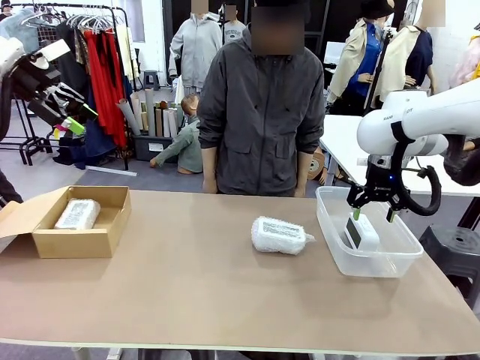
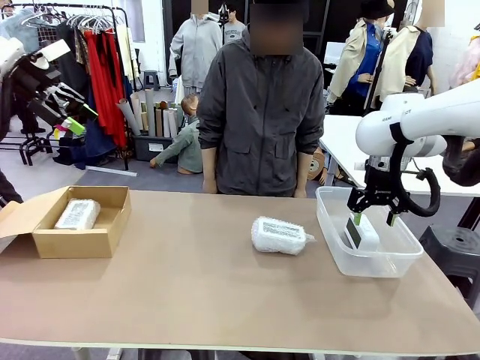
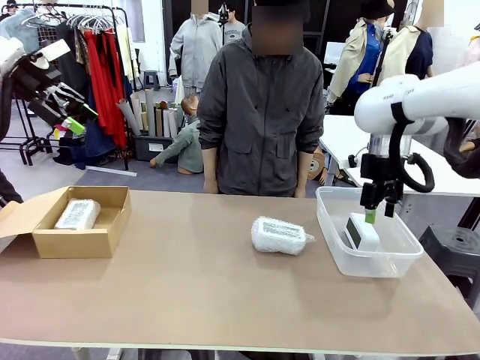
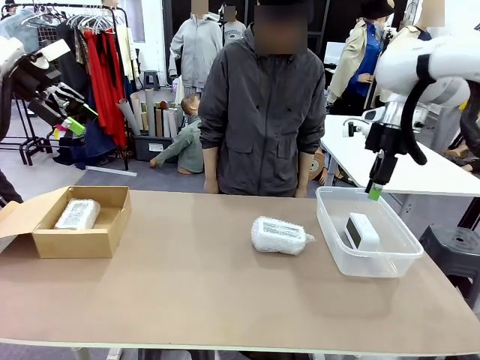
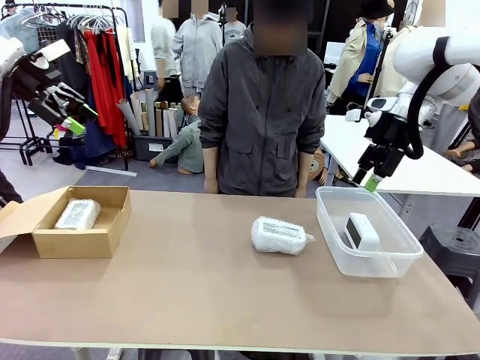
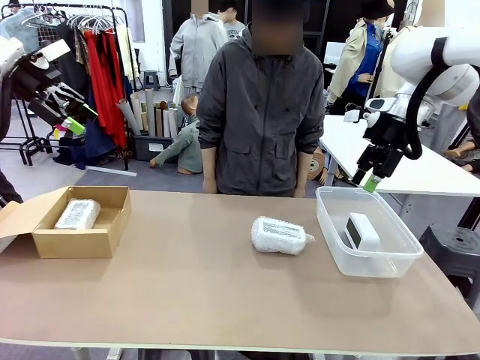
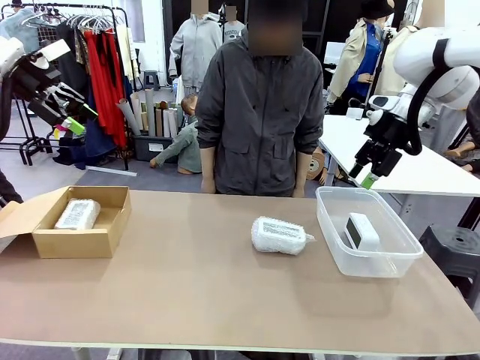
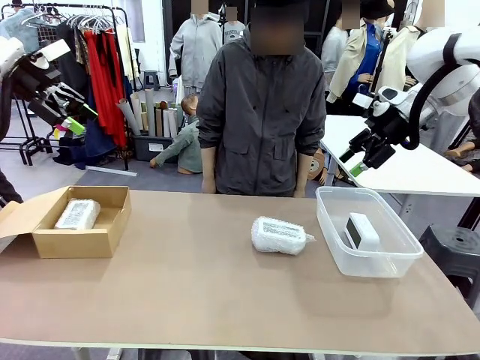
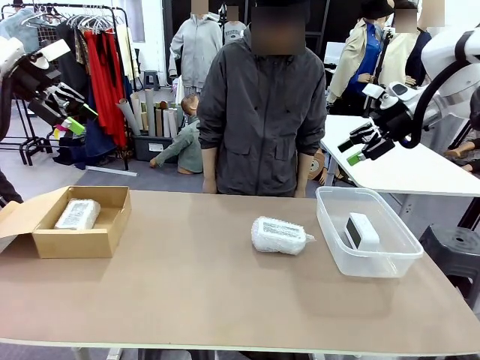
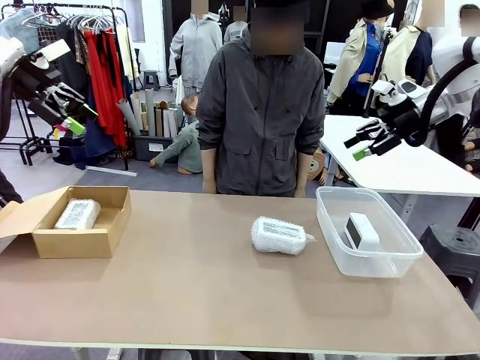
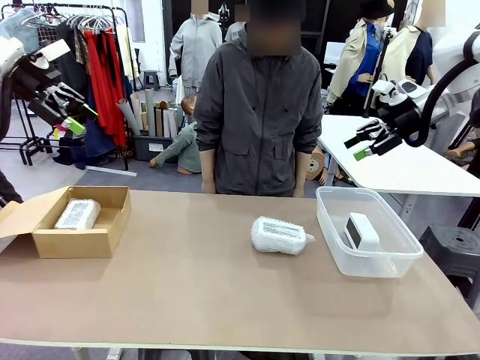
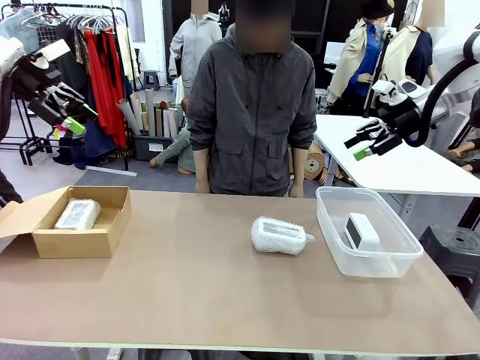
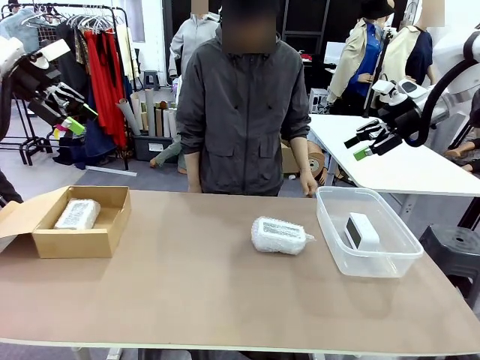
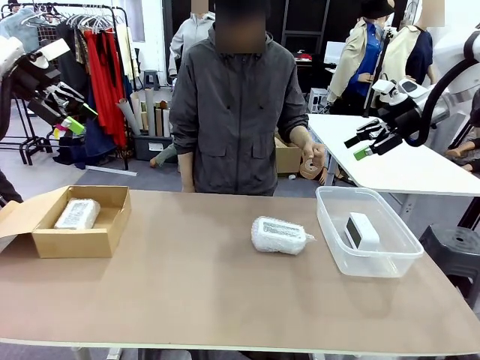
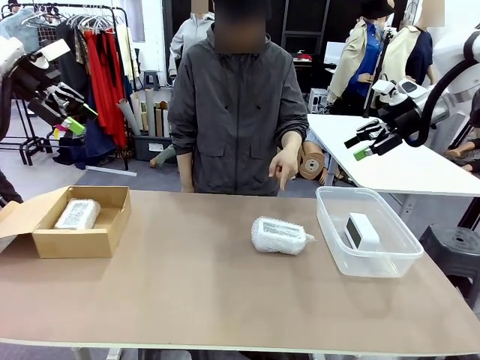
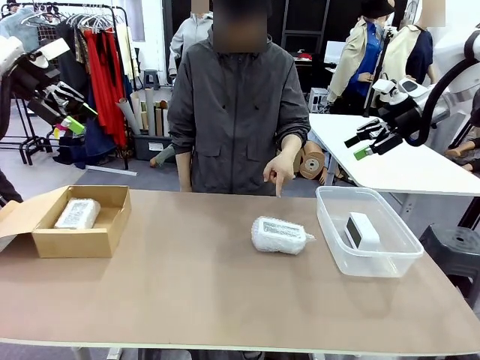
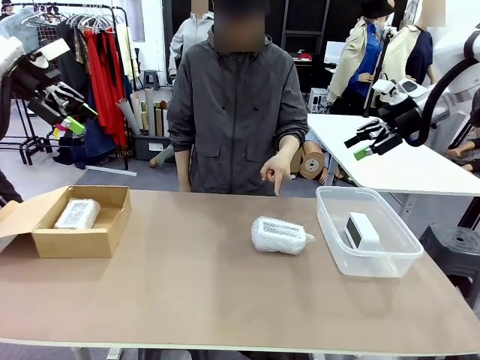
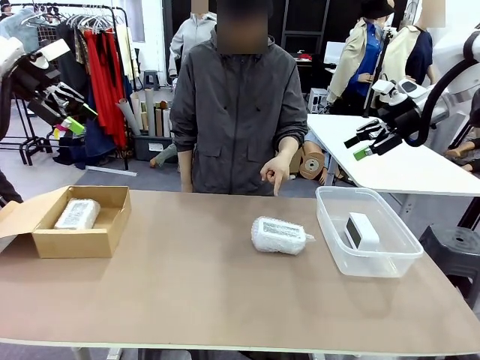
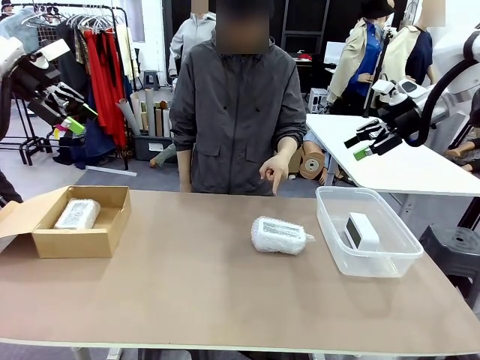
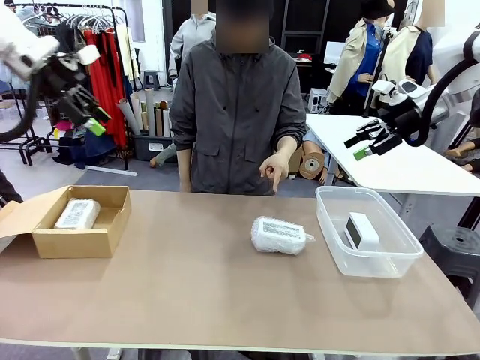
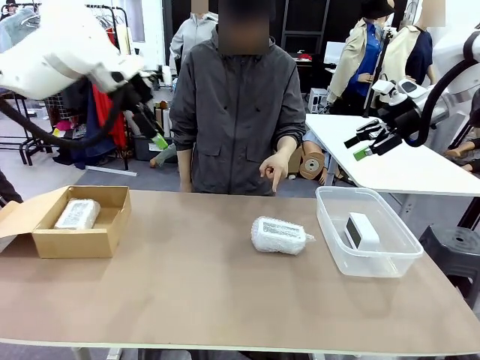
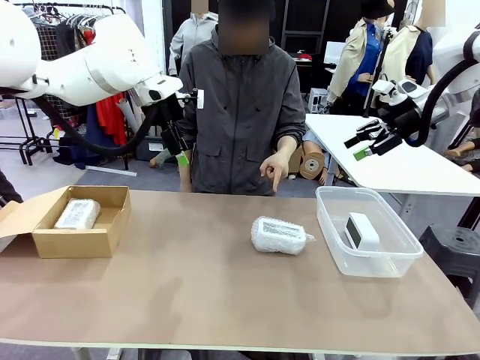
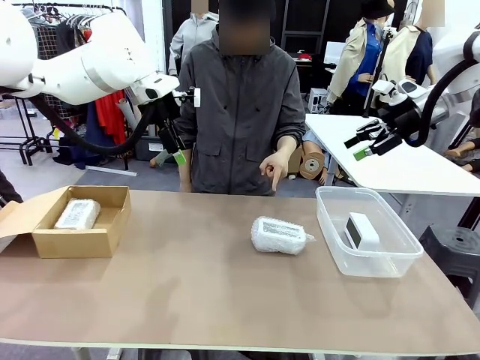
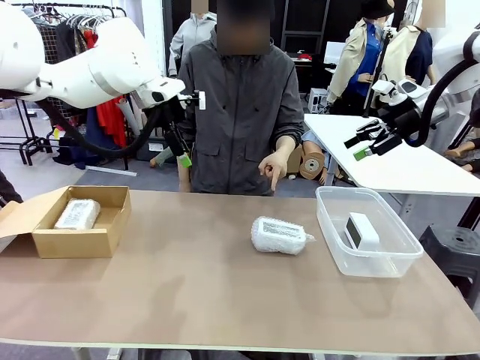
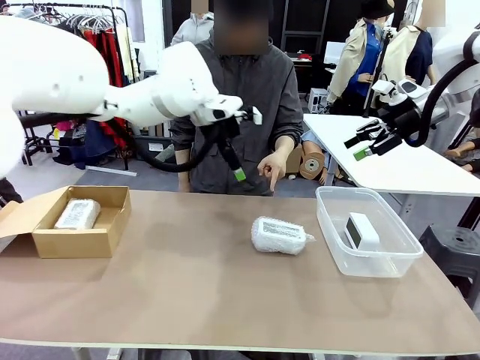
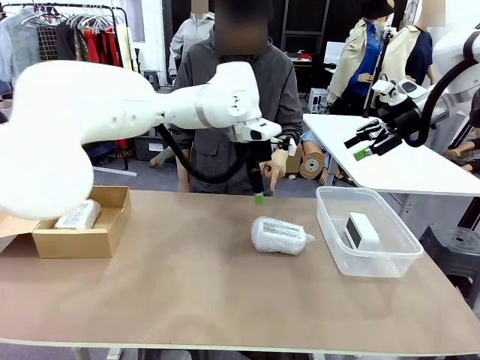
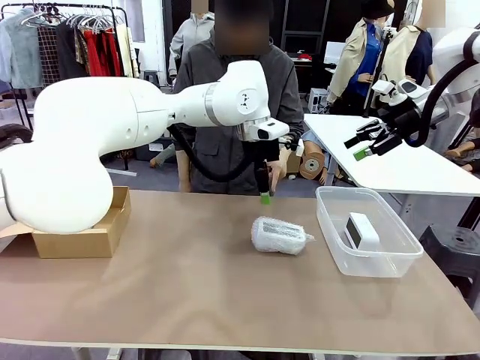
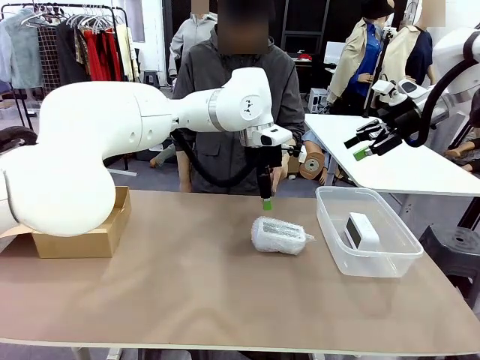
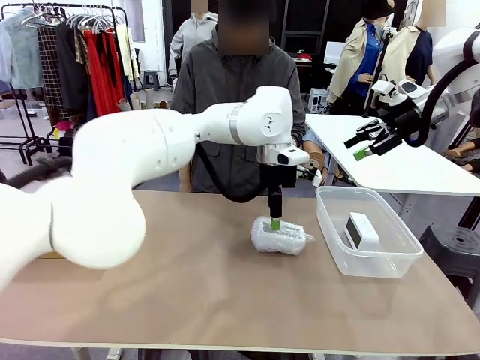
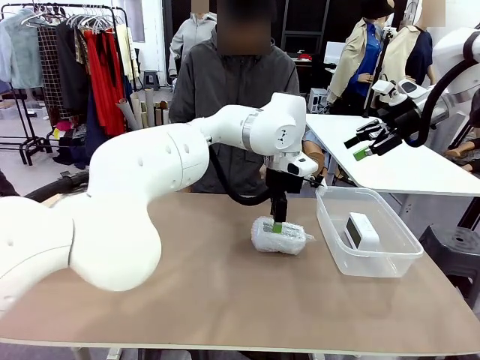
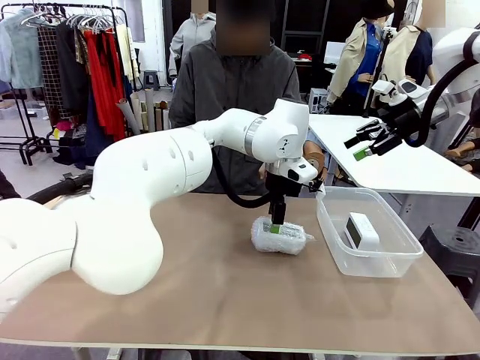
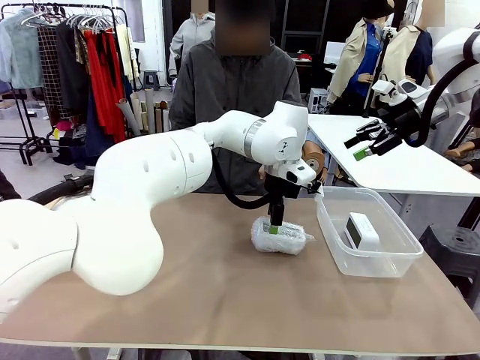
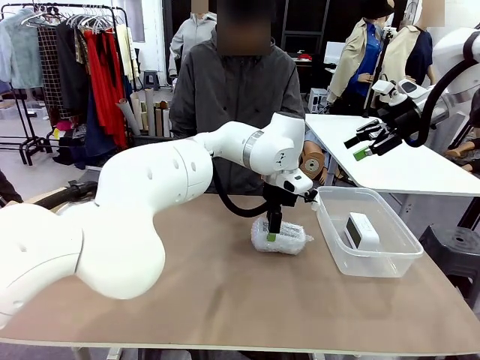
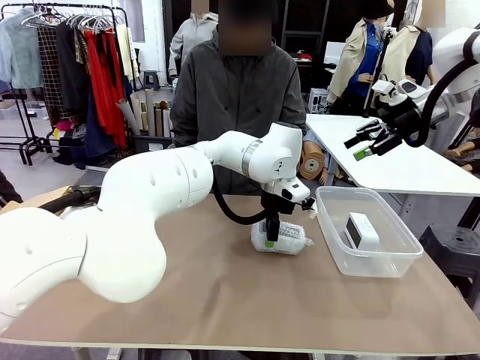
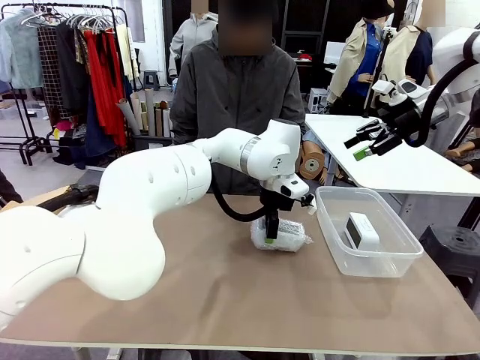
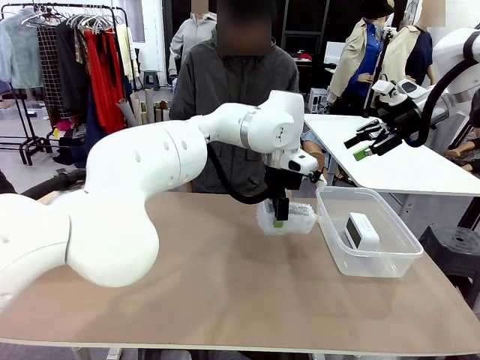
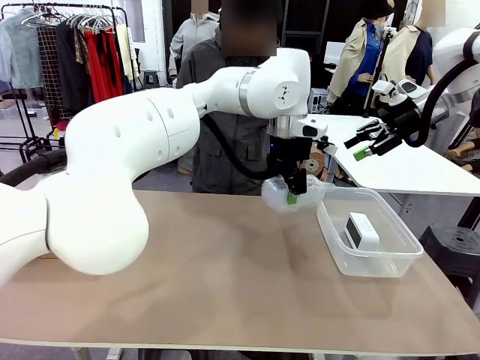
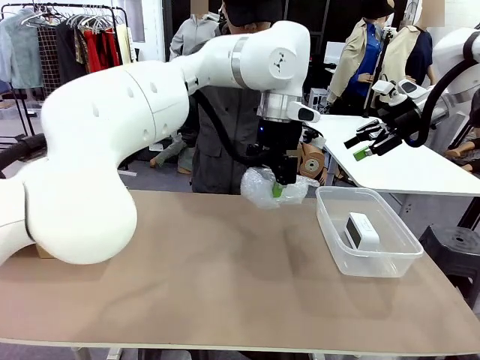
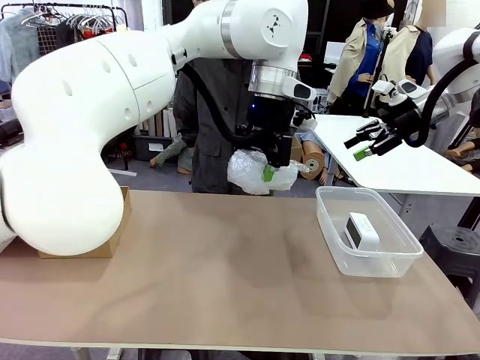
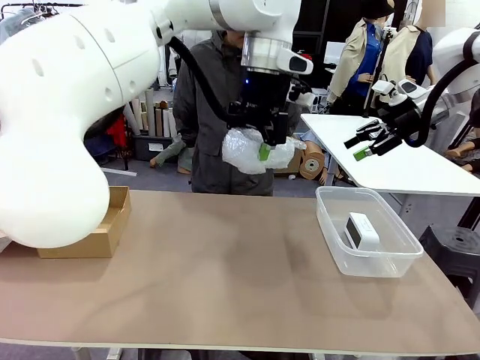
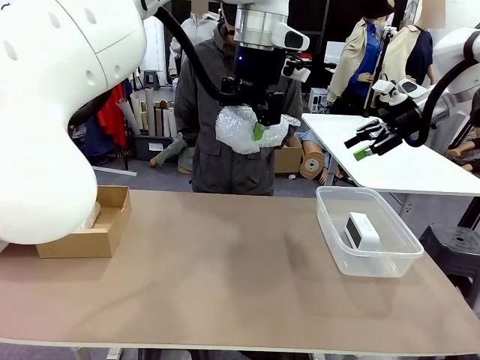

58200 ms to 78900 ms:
Task: Separate and place wrapped and unwrapped clocks.
Robot: Pick up the Digital clock indicated by the person.
